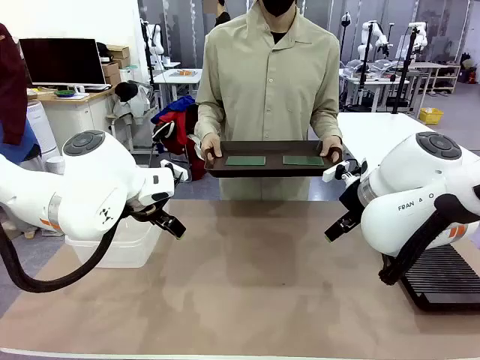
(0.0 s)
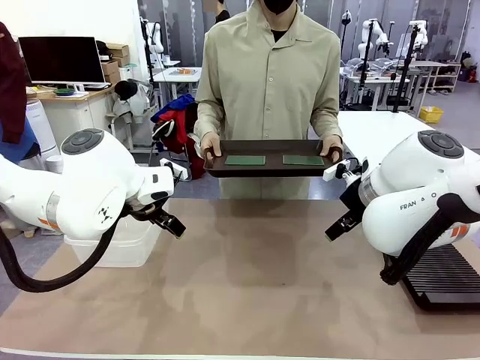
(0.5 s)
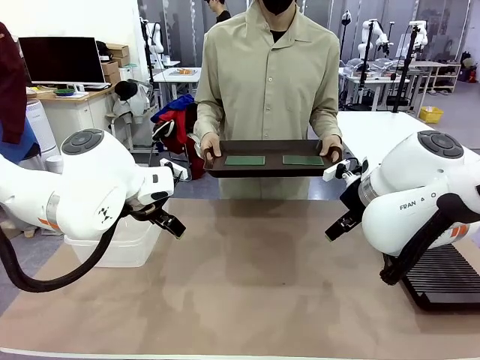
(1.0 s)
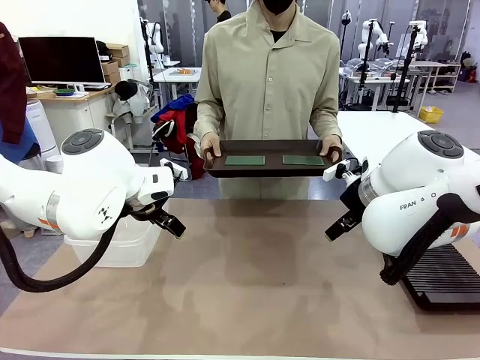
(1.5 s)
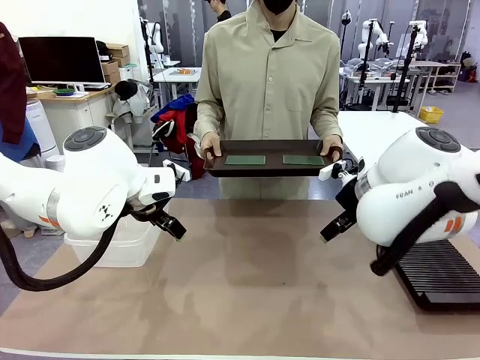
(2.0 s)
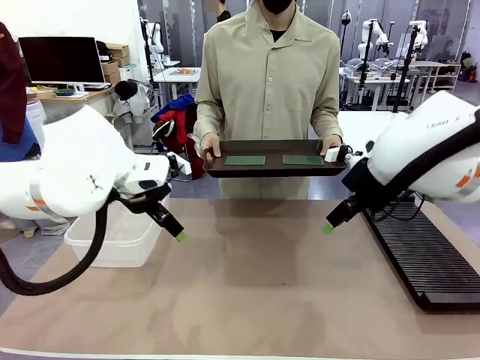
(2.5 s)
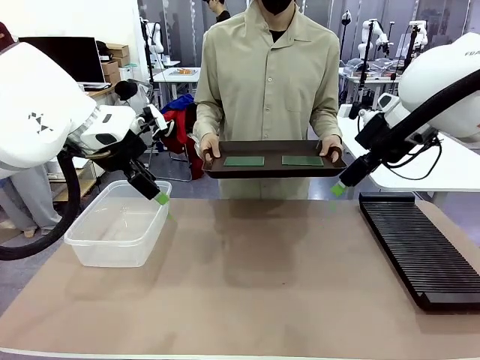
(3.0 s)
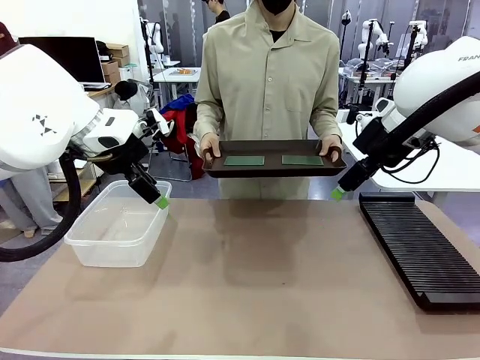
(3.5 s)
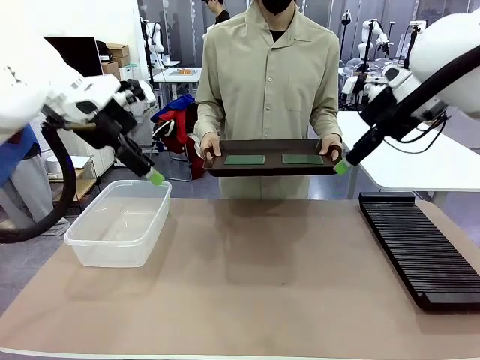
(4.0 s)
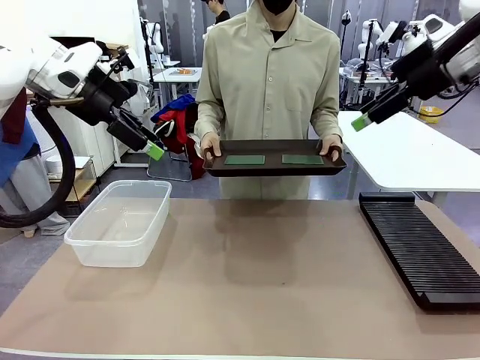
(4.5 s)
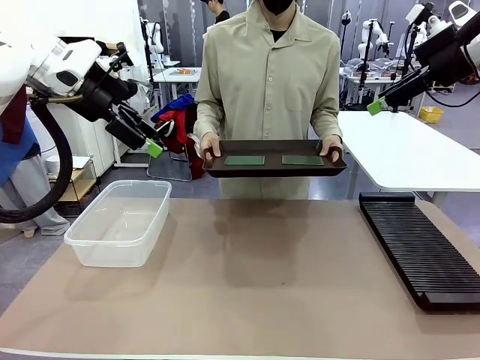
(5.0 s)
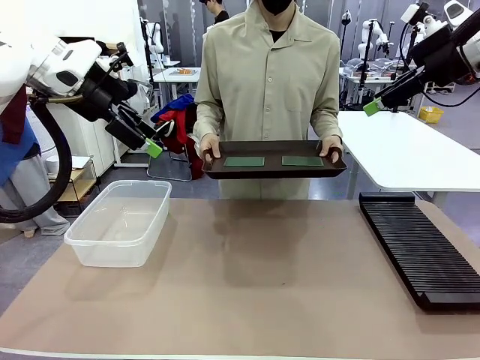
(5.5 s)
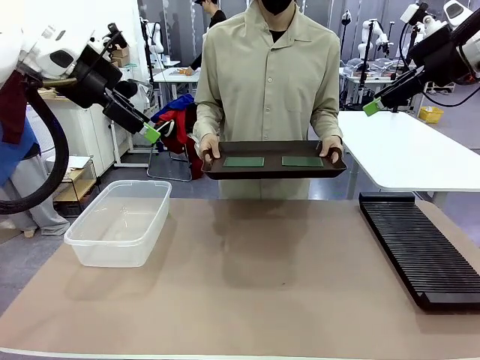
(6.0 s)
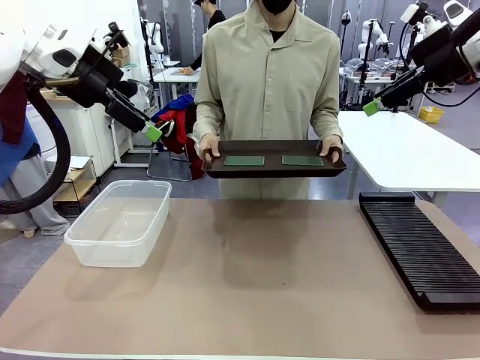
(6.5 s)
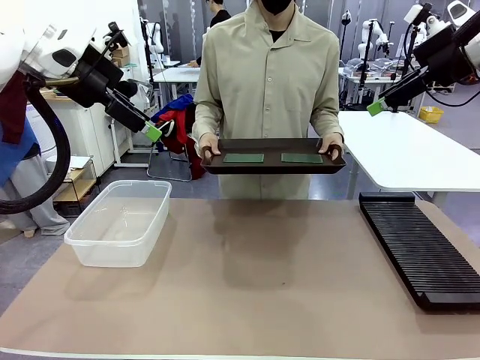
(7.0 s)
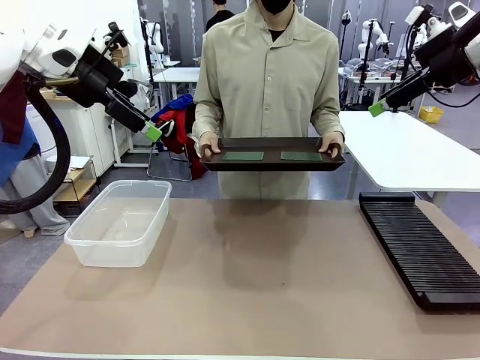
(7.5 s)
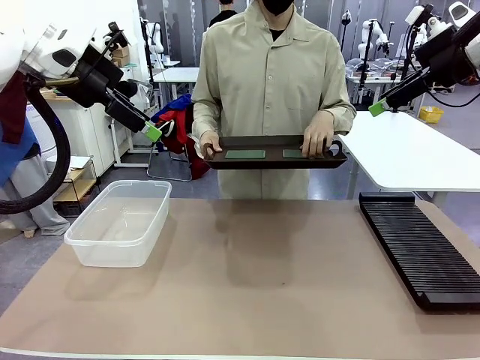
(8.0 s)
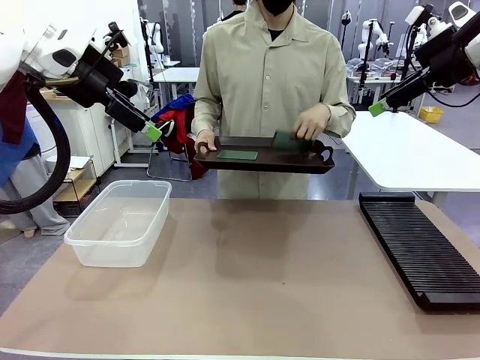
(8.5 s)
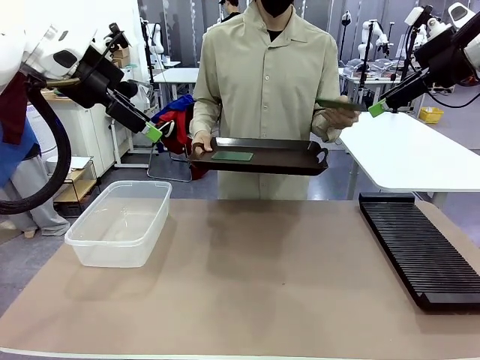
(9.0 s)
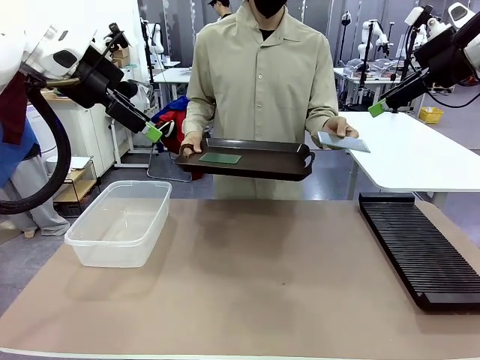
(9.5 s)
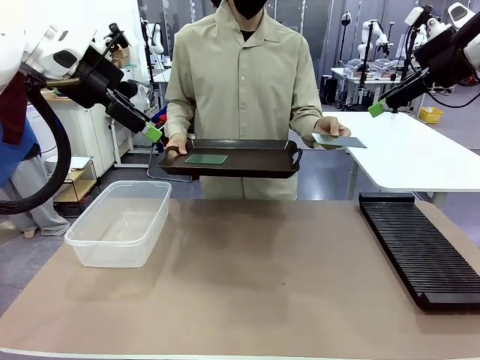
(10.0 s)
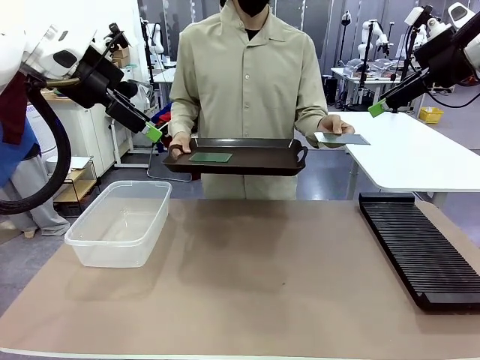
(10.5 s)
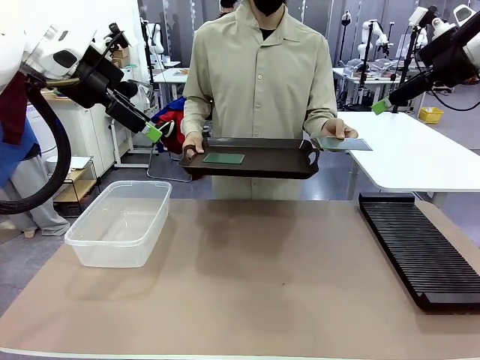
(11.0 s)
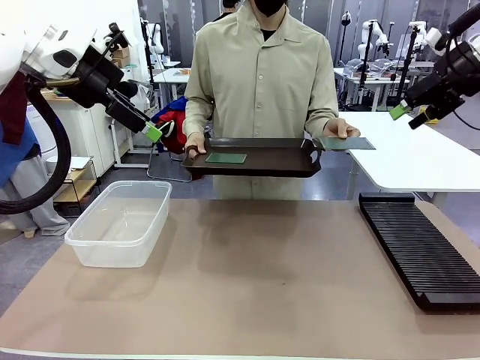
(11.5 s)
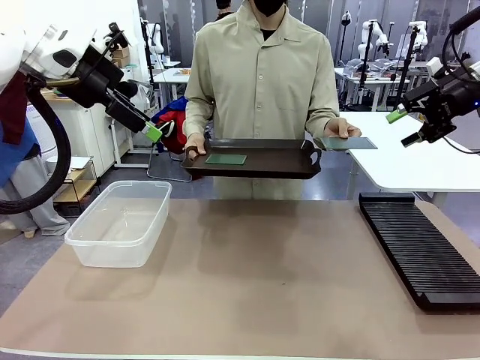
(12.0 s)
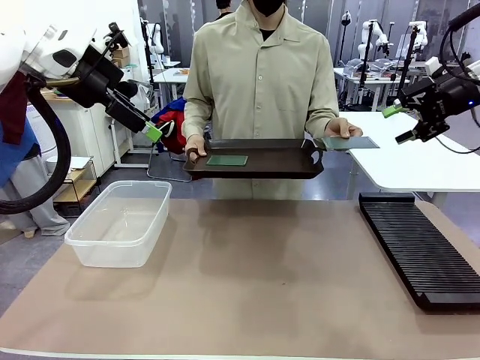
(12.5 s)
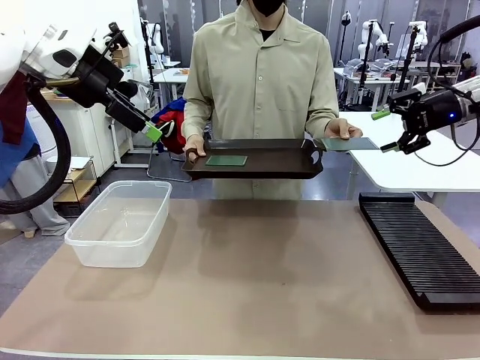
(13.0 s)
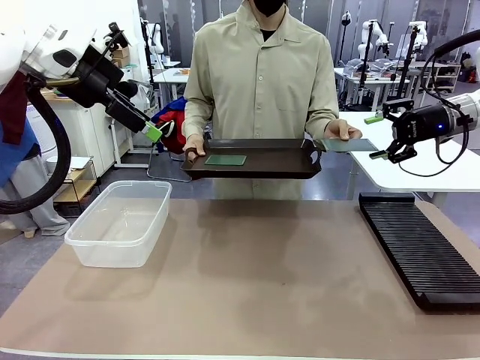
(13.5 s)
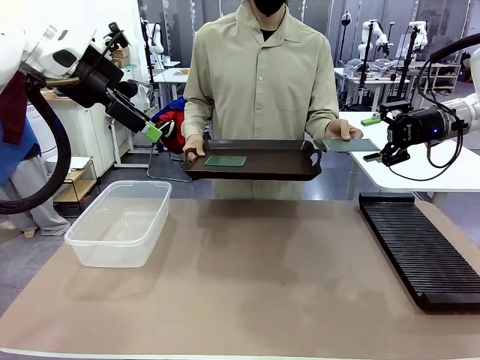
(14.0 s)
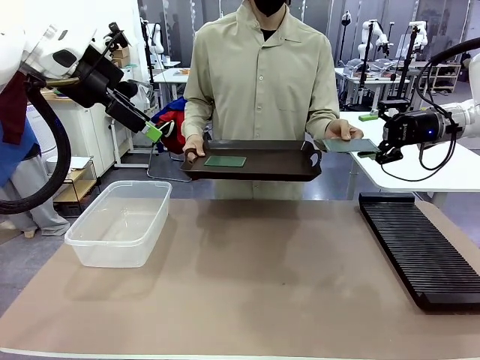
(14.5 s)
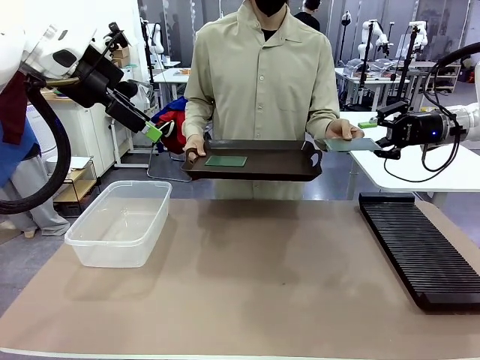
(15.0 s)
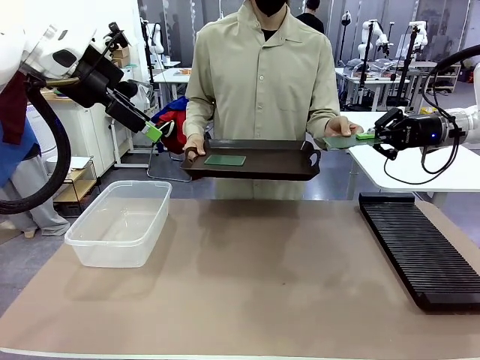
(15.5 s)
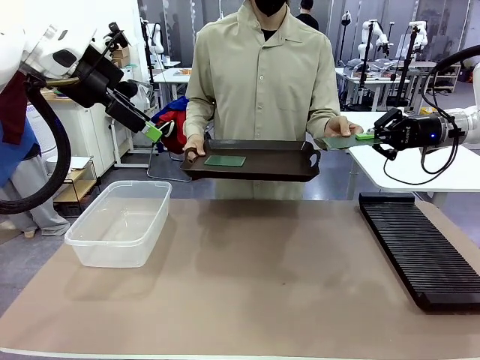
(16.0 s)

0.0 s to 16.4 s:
Task: Sort PCBs into racks and boxes based on the side picked up.
Robot: Pick up the Blank PCB handed by the Human.
Person: Pick one PCB from the tray and present it to the robot. Release the PCB being held.

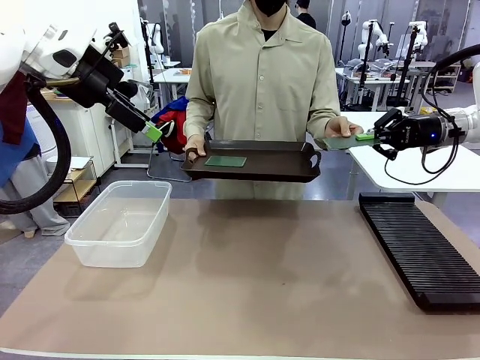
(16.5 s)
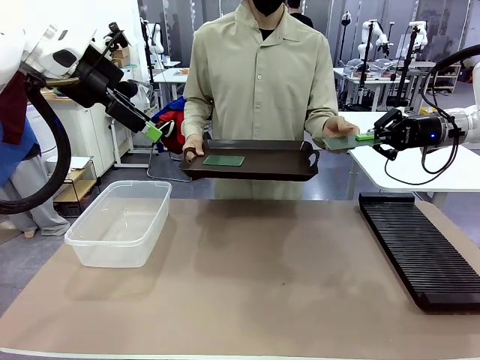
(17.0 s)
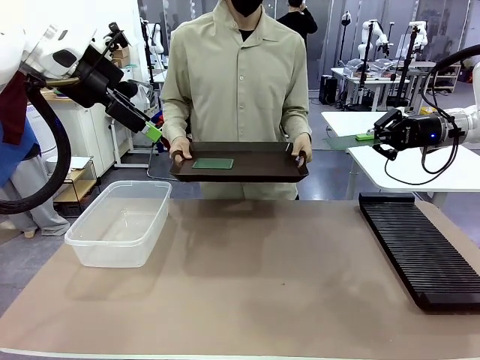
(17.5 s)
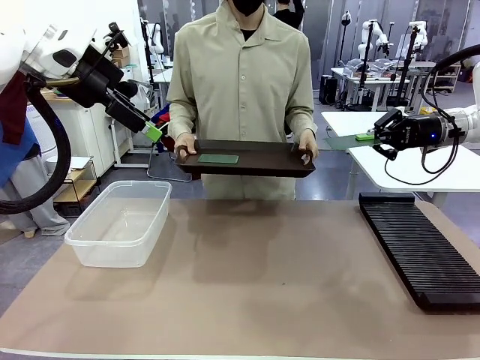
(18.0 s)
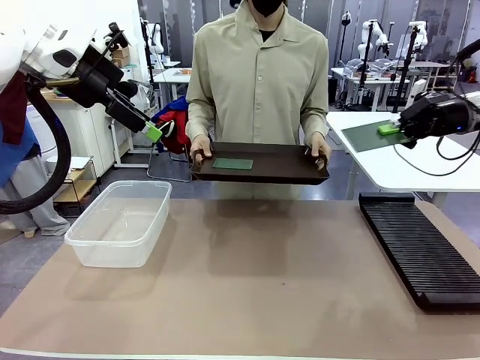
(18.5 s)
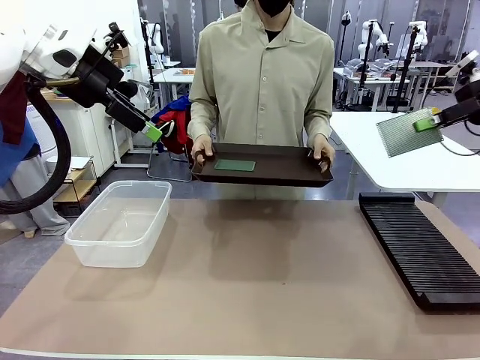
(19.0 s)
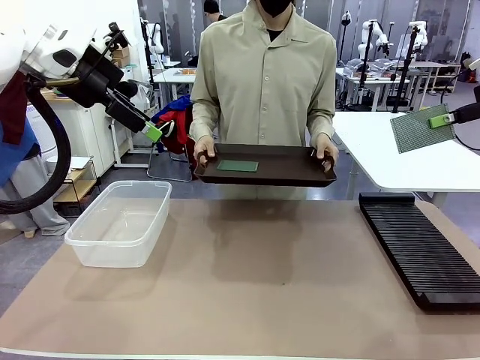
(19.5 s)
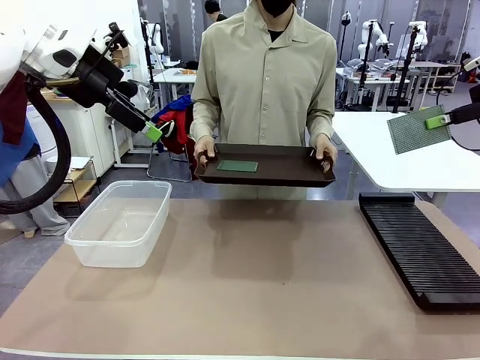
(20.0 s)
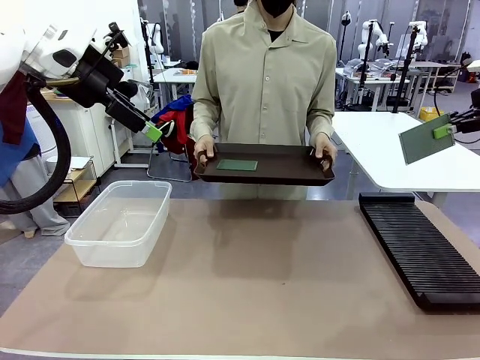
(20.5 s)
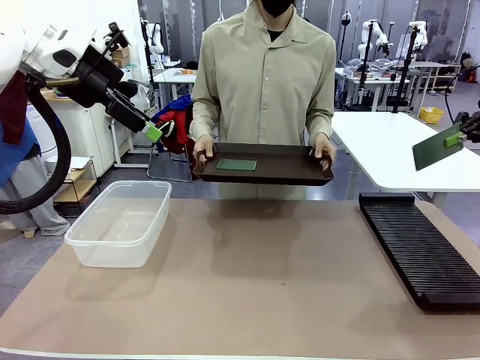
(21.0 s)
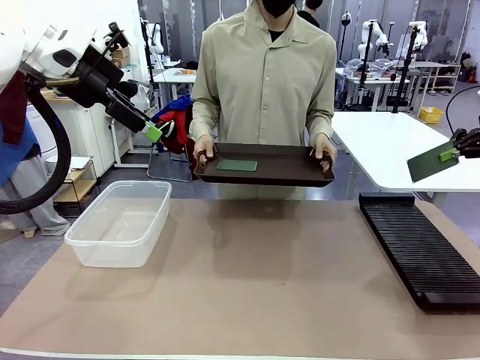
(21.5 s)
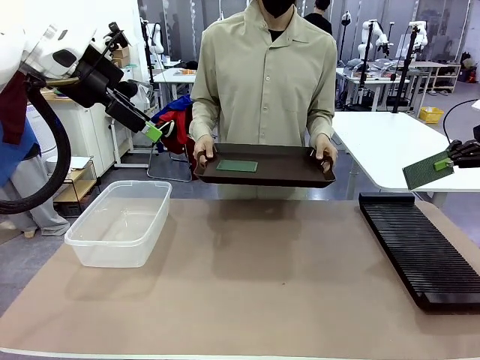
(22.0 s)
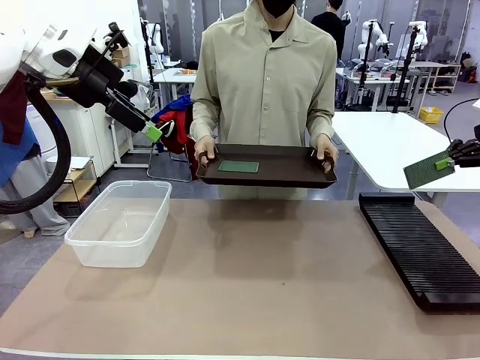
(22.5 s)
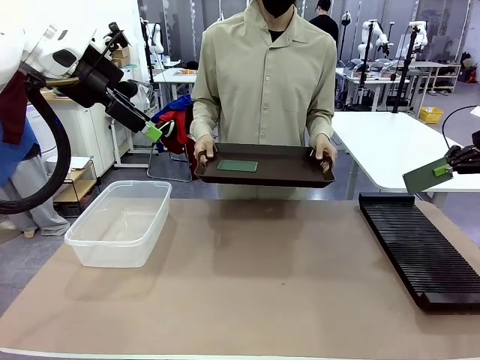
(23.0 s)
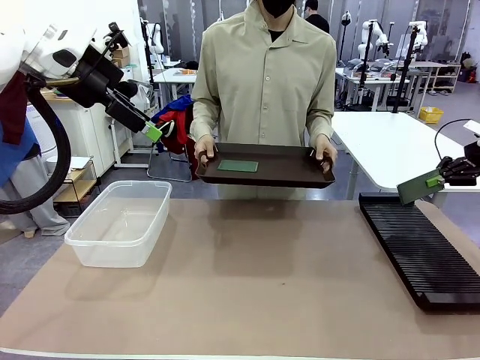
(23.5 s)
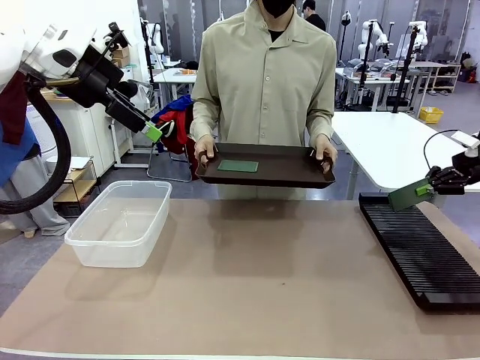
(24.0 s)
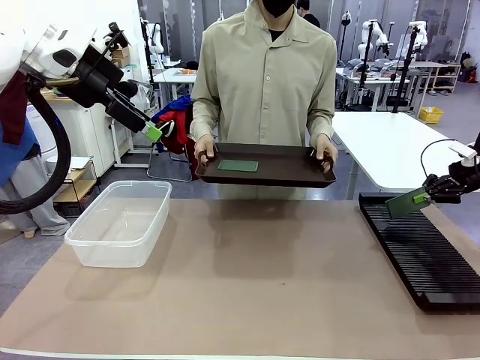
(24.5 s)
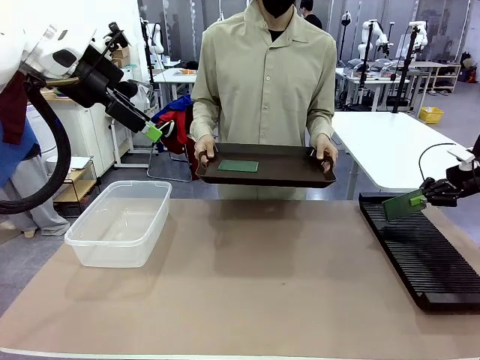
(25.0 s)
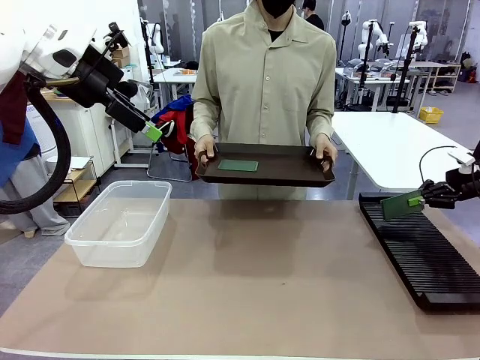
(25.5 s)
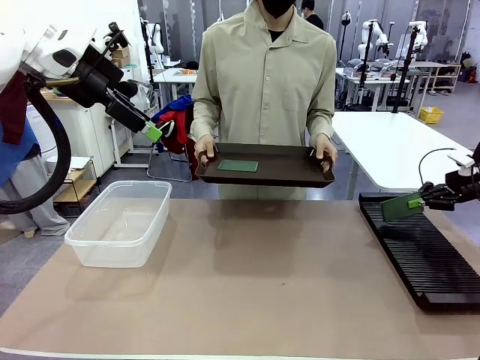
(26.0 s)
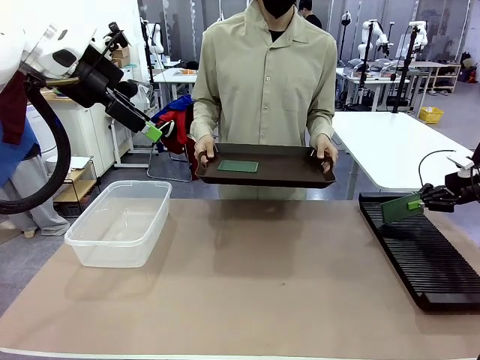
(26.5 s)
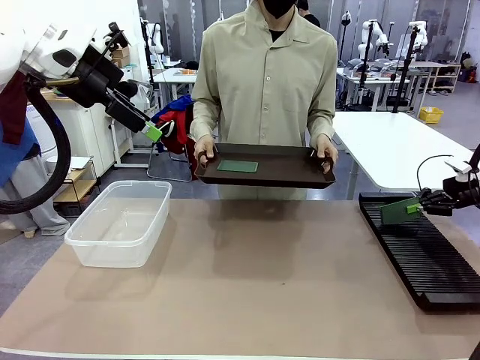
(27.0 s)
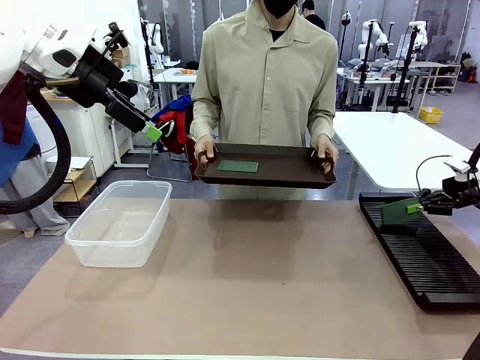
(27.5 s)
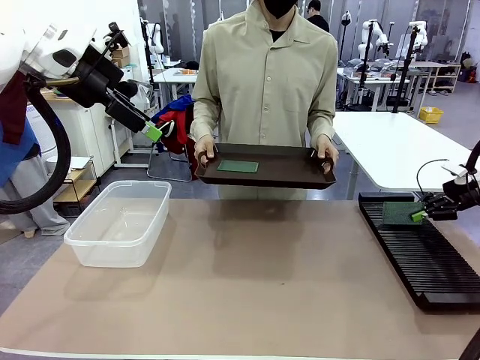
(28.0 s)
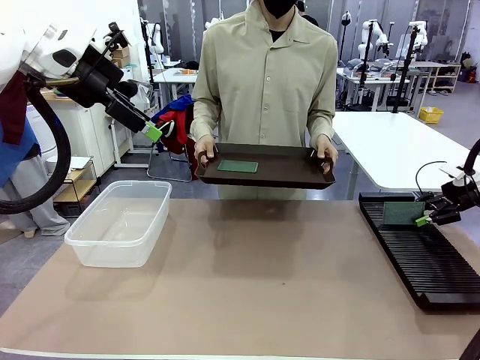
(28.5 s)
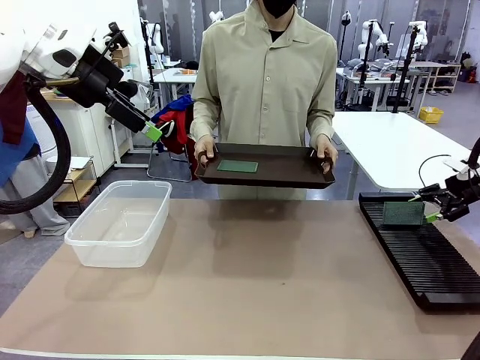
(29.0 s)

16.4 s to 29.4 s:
Robot: If the short side of the Blank PCB is picked up, insert it into the PCB Rack ; if the long side is picked up, place it in the Organizing box.
Person: Pick one PCB from the tray and present it to the robot.
